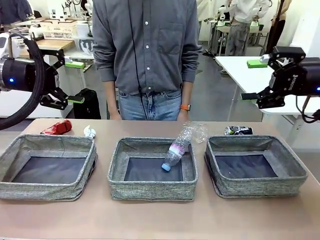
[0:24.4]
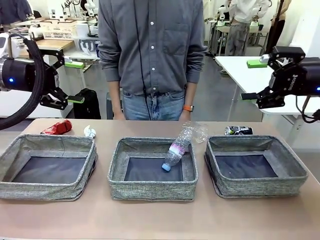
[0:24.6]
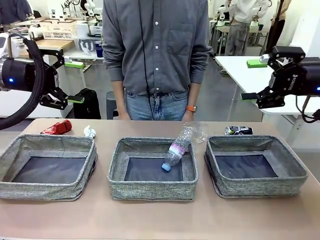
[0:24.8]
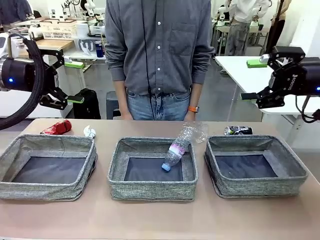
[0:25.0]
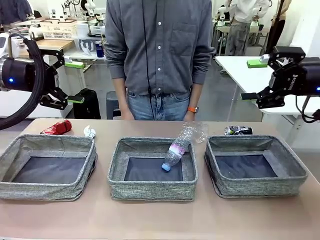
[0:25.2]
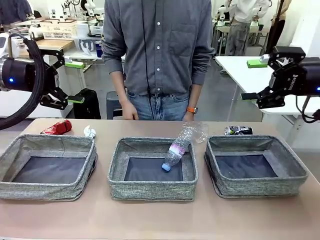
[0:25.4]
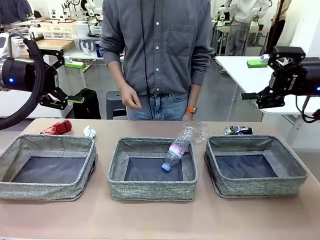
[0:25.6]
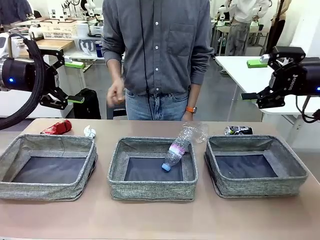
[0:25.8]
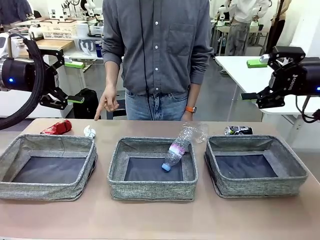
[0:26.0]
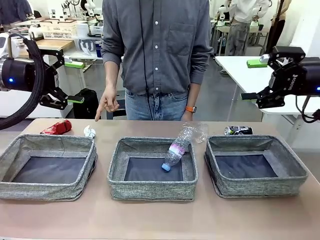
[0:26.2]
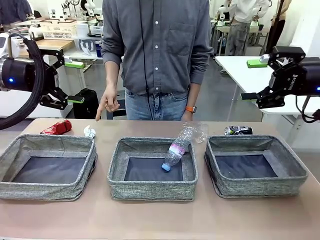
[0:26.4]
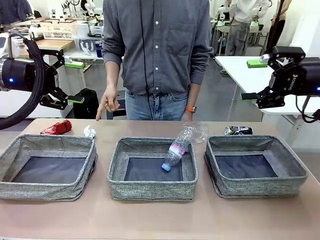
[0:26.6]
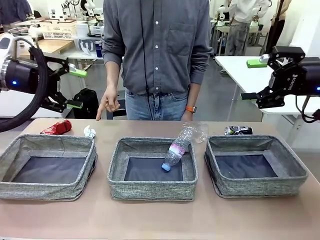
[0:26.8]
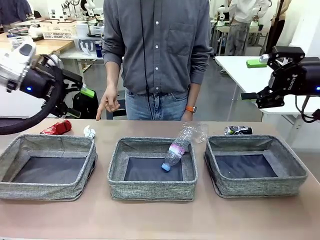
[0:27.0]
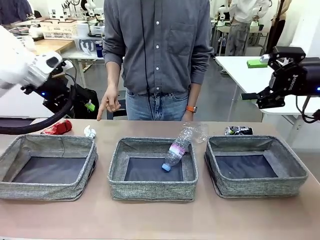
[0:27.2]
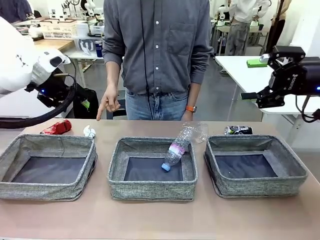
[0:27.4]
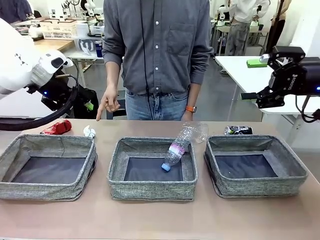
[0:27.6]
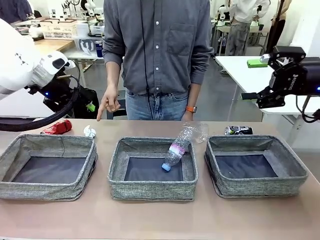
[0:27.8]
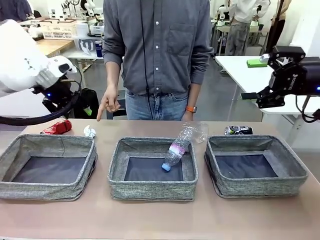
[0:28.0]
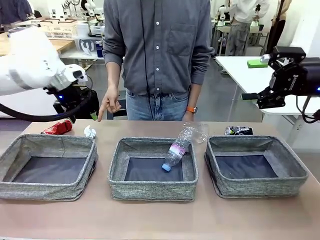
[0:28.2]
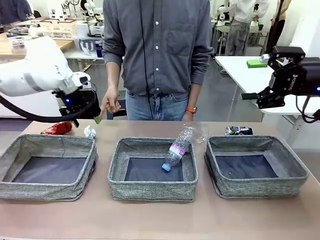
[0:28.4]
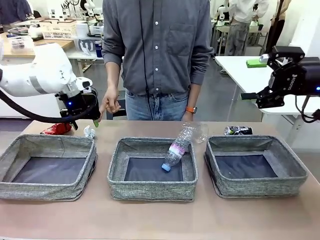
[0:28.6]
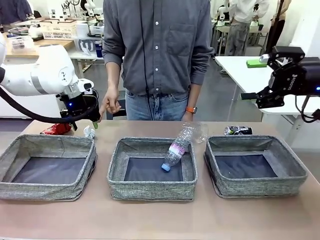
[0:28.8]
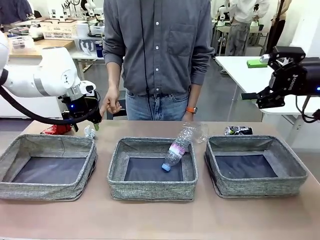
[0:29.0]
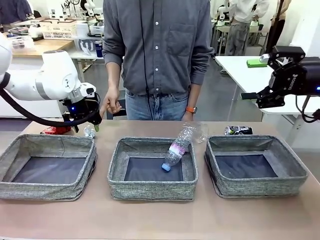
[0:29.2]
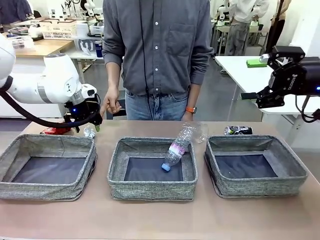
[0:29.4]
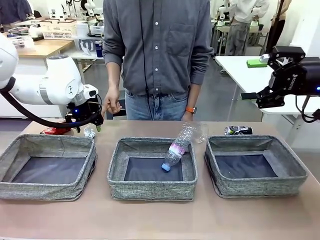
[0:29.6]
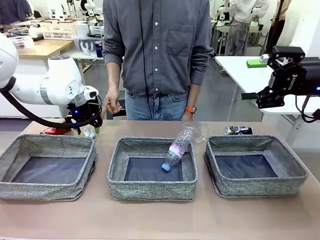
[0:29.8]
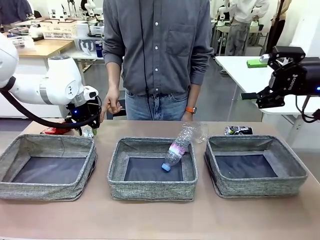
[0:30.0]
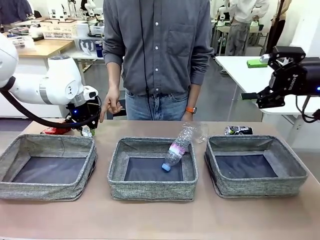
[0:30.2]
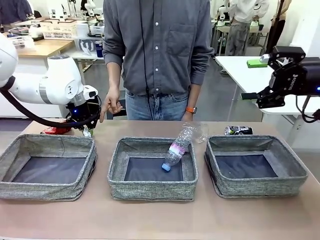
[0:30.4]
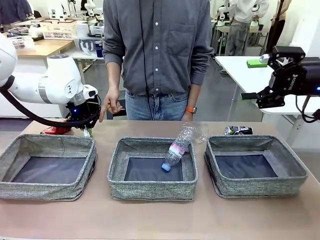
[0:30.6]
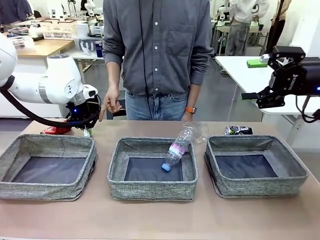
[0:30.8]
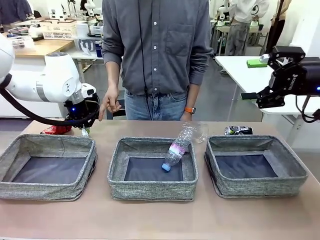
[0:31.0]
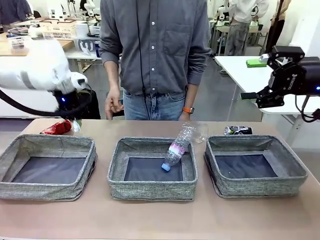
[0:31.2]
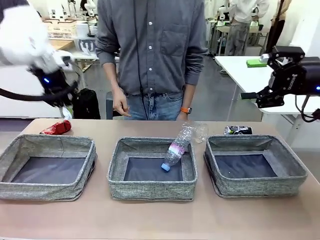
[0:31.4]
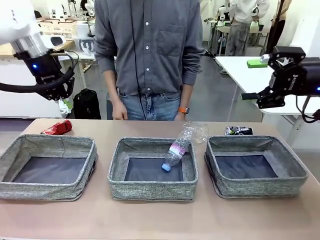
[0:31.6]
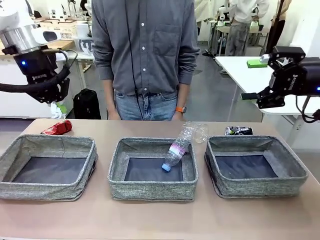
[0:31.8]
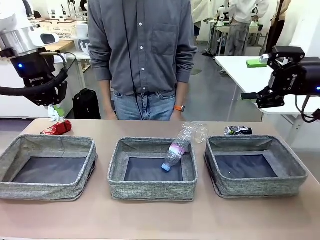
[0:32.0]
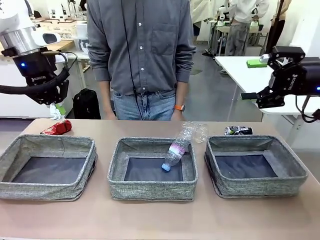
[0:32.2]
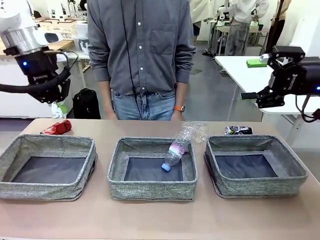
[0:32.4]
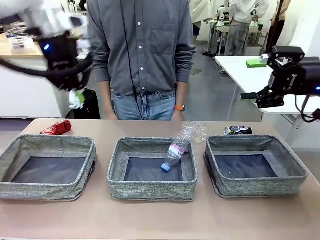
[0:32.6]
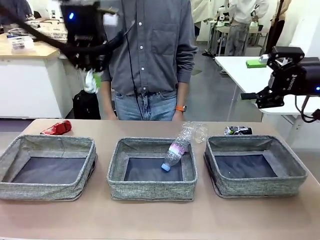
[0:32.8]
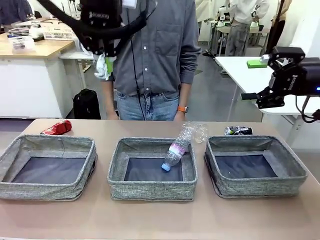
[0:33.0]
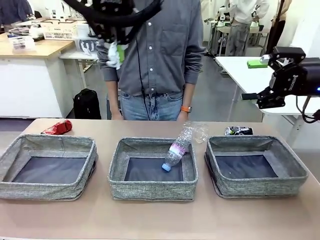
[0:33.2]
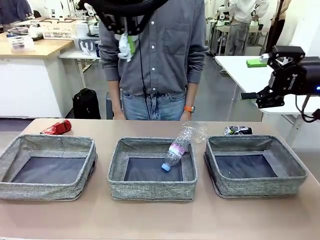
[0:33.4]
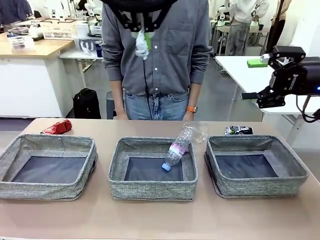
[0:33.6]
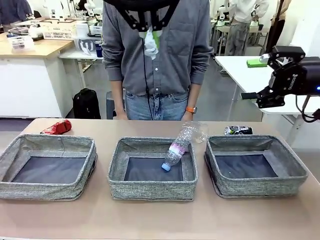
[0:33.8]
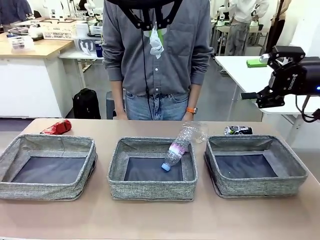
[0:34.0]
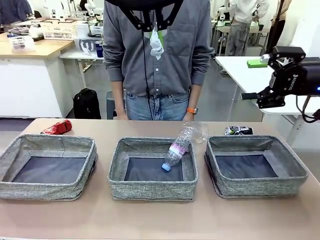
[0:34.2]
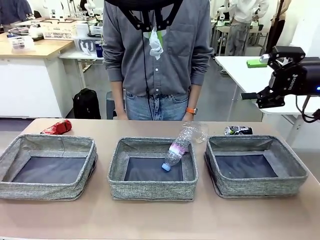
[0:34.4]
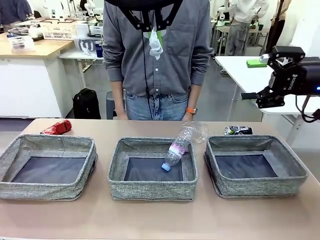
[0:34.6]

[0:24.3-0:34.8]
Task: Sort the waste into the appropriate baskets.
Robot: Pick up the waste item pointed out by the person.
Person: Points to one piece of trash on the table.

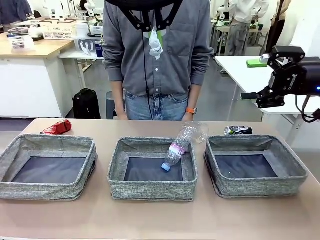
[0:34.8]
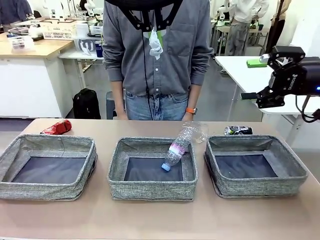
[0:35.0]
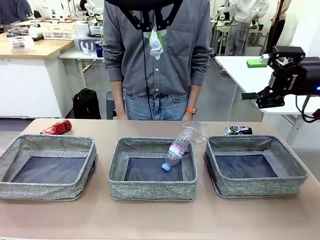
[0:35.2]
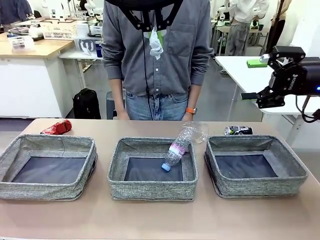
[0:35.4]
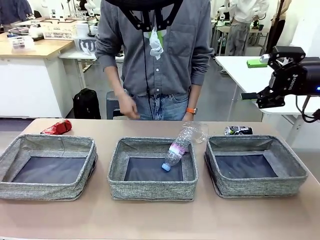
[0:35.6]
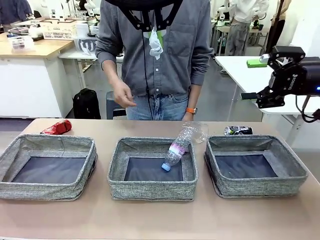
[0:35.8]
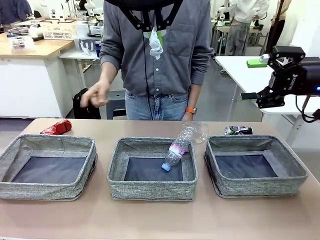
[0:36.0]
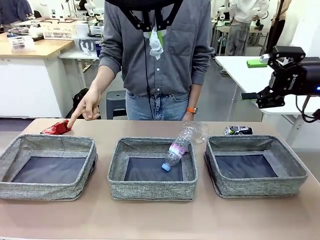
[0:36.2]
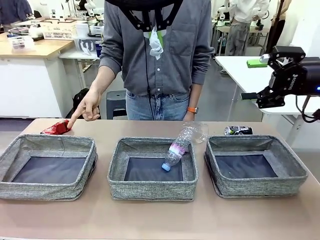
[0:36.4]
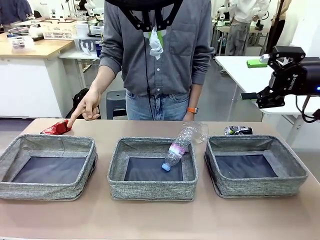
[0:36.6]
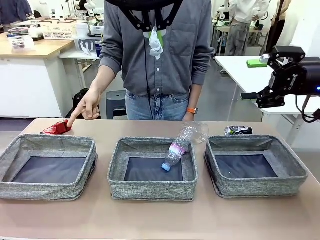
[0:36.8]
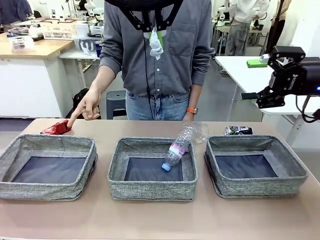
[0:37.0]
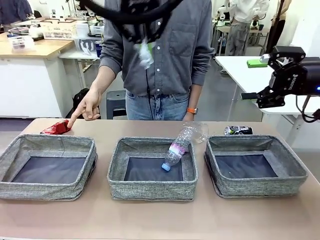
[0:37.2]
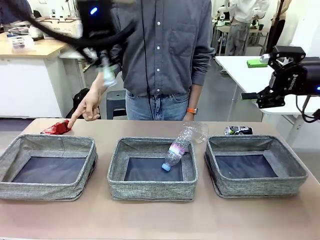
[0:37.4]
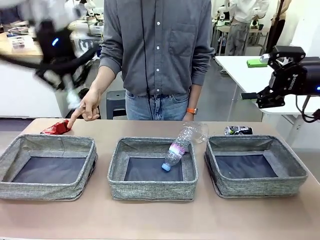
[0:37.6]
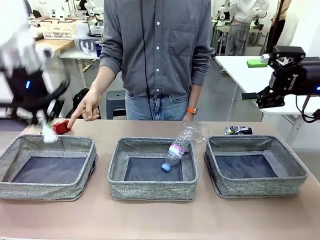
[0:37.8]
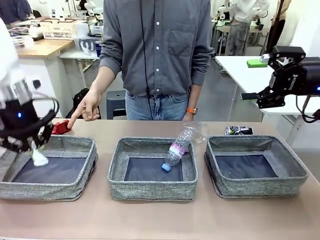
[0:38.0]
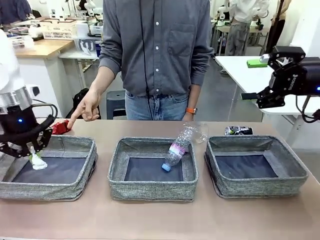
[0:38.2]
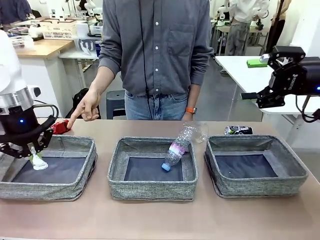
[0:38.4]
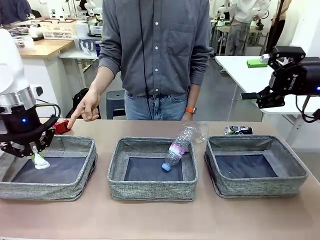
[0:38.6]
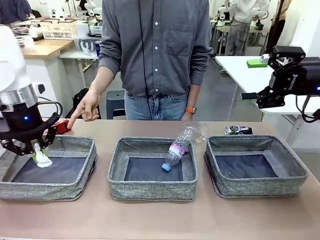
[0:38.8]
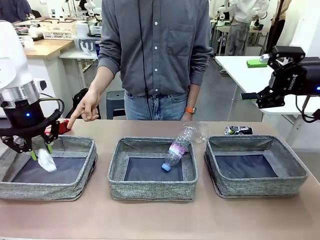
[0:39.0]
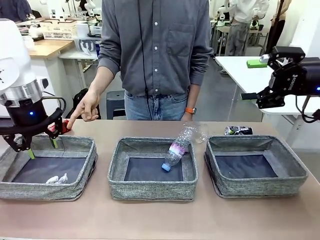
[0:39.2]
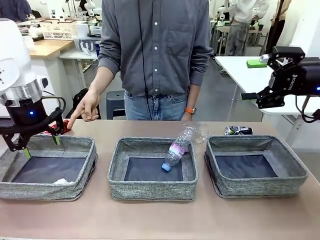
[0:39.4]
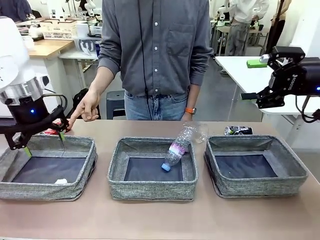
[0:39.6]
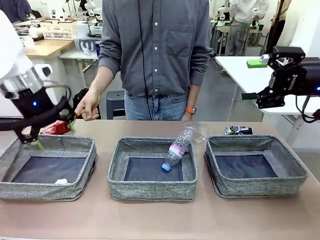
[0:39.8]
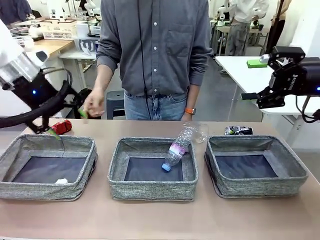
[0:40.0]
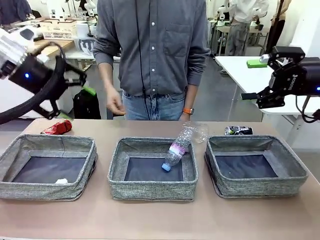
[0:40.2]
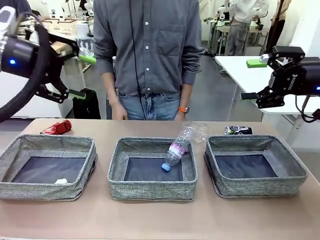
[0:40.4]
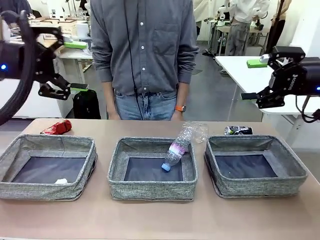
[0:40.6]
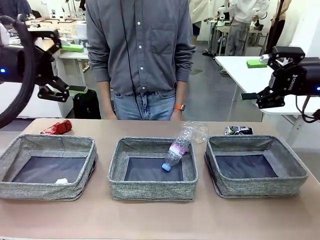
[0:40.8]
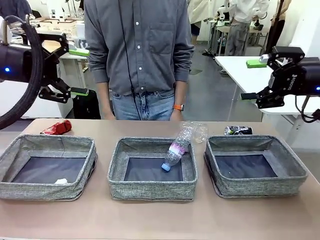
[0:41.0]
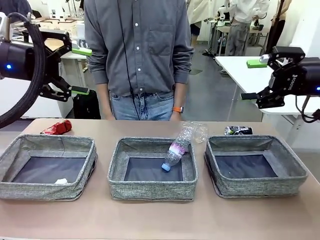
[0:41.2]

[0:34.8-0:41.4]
Robot: Place the picked waste into the Fabric basket indicated by the person.
Person: Instructs the robot to place the picked-up trash into the appropriate organizing basket.
